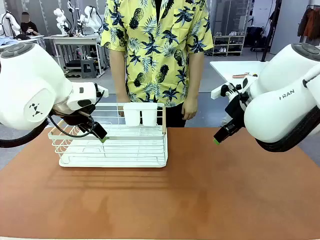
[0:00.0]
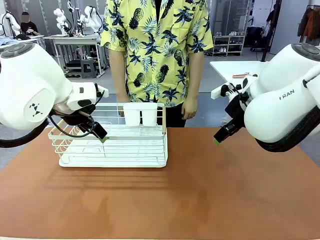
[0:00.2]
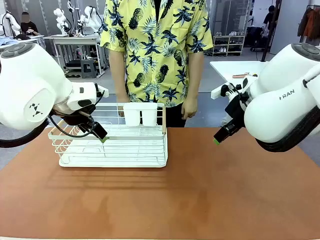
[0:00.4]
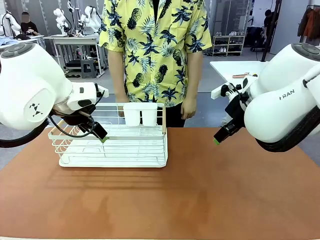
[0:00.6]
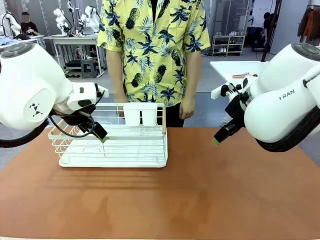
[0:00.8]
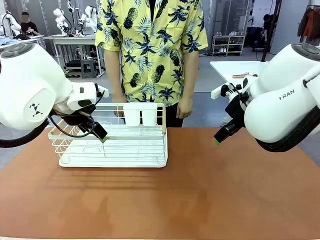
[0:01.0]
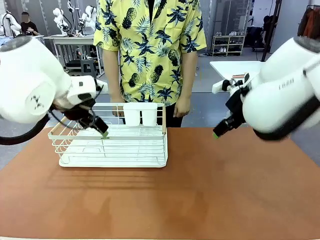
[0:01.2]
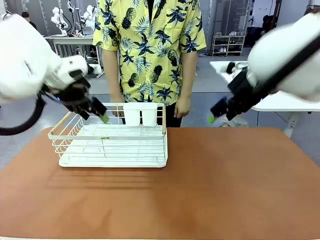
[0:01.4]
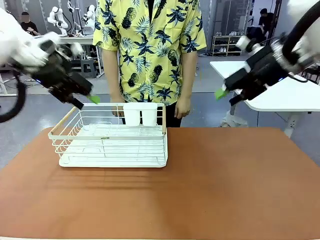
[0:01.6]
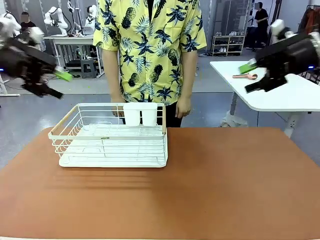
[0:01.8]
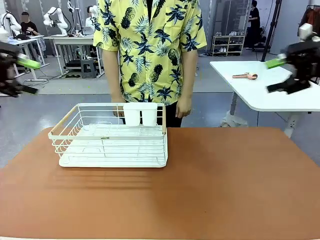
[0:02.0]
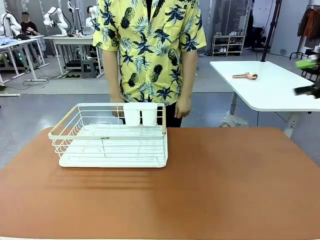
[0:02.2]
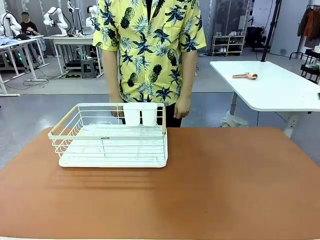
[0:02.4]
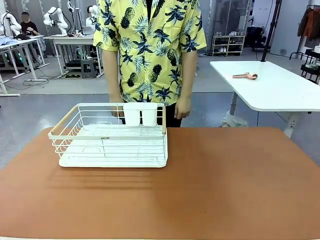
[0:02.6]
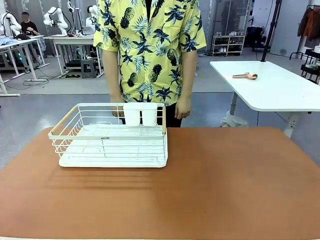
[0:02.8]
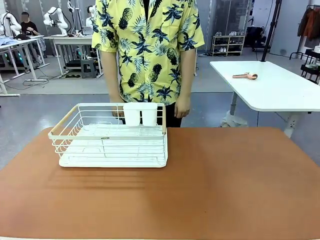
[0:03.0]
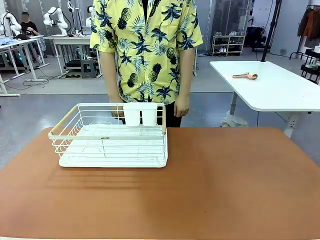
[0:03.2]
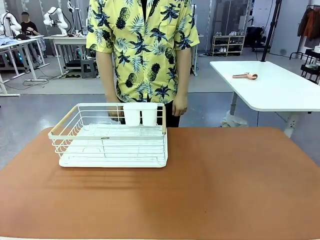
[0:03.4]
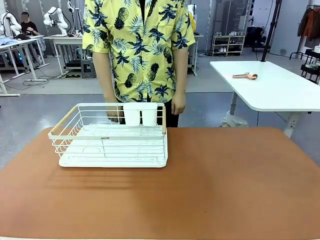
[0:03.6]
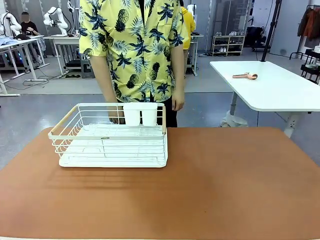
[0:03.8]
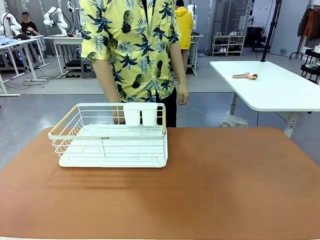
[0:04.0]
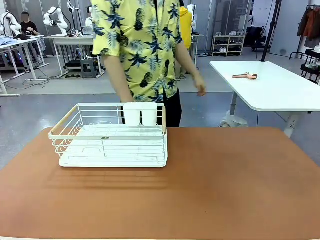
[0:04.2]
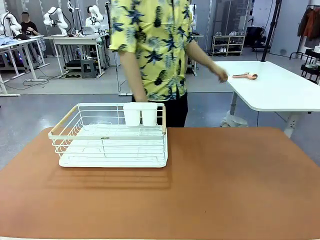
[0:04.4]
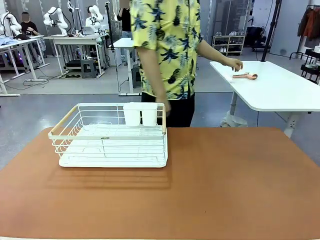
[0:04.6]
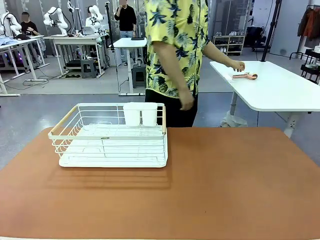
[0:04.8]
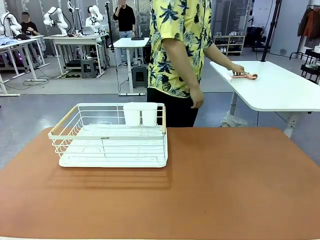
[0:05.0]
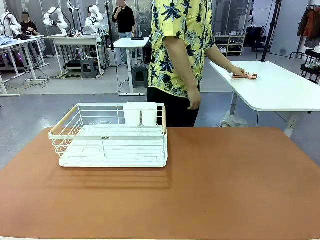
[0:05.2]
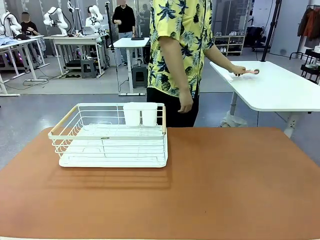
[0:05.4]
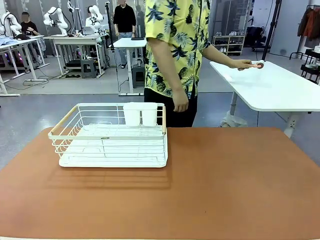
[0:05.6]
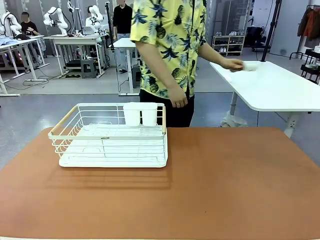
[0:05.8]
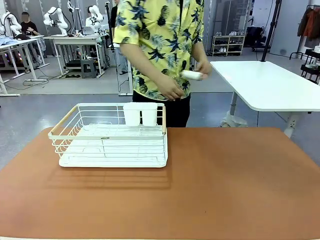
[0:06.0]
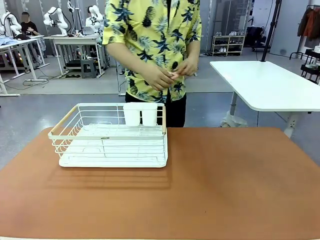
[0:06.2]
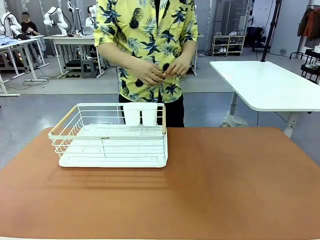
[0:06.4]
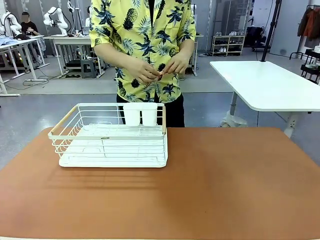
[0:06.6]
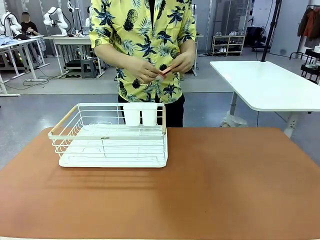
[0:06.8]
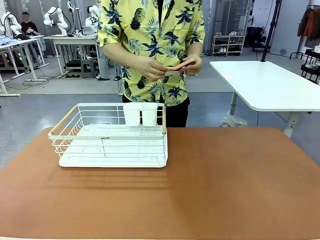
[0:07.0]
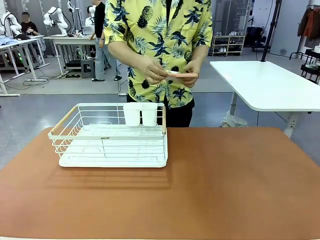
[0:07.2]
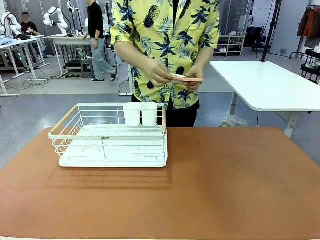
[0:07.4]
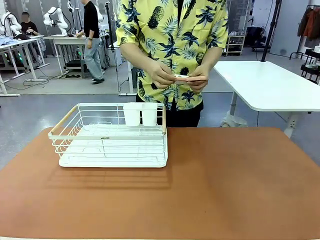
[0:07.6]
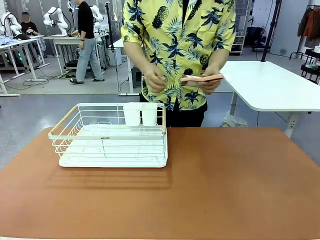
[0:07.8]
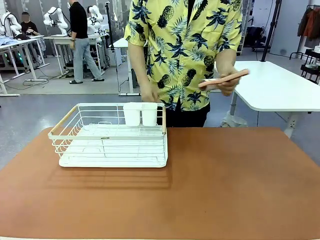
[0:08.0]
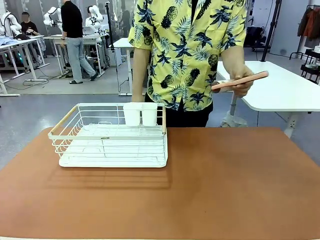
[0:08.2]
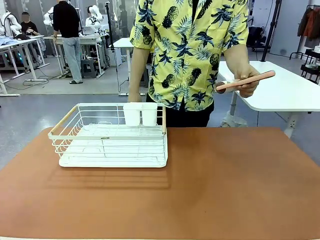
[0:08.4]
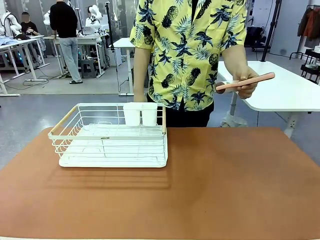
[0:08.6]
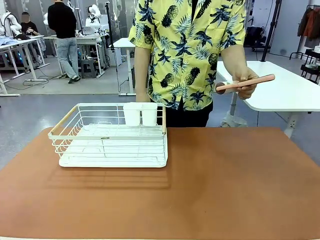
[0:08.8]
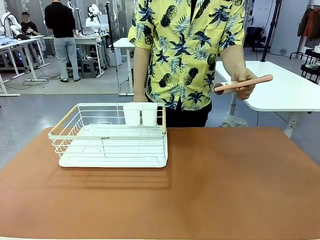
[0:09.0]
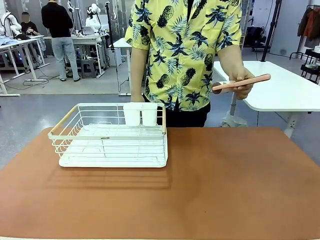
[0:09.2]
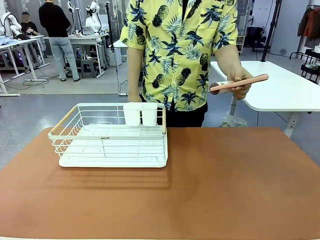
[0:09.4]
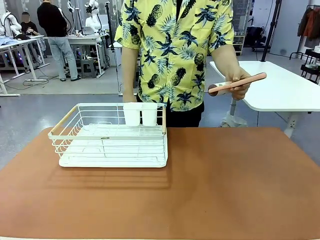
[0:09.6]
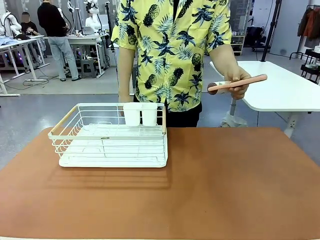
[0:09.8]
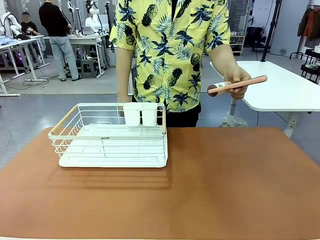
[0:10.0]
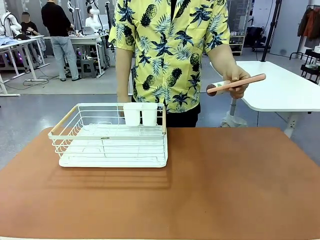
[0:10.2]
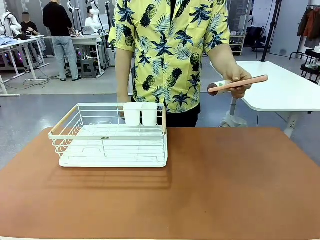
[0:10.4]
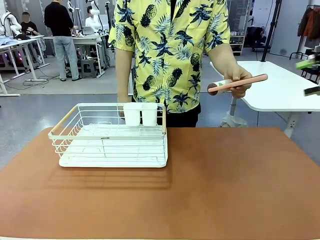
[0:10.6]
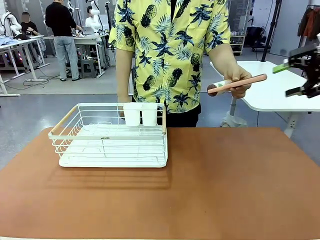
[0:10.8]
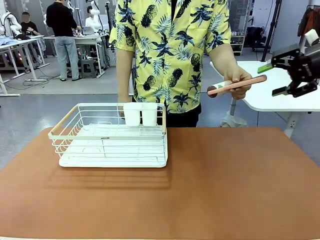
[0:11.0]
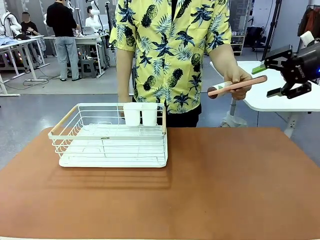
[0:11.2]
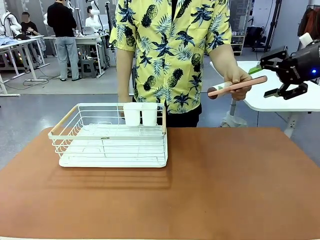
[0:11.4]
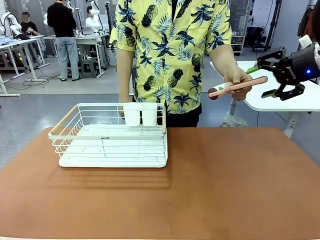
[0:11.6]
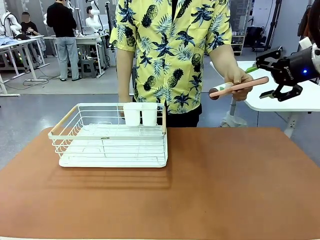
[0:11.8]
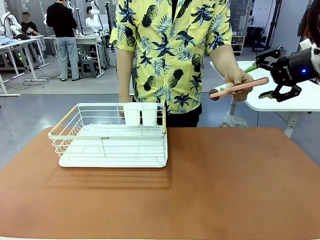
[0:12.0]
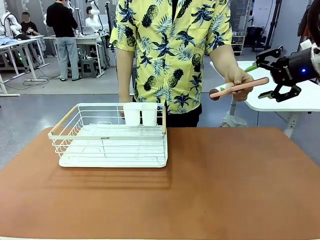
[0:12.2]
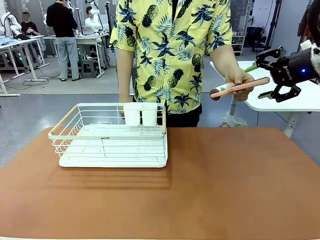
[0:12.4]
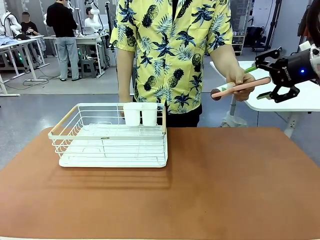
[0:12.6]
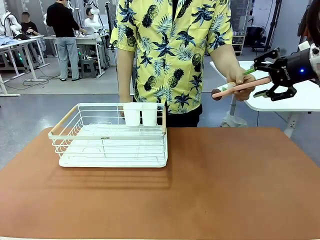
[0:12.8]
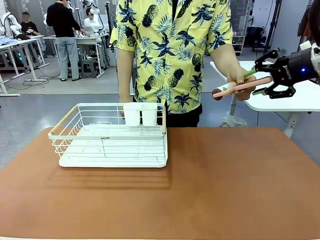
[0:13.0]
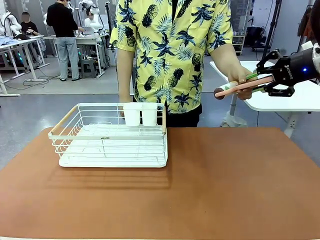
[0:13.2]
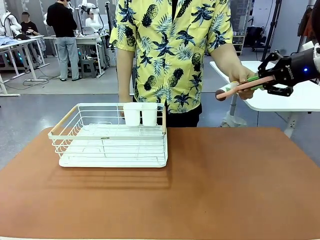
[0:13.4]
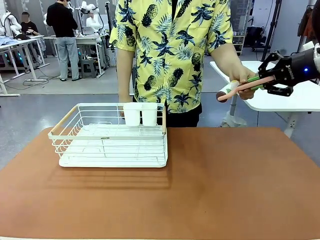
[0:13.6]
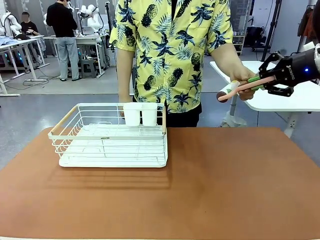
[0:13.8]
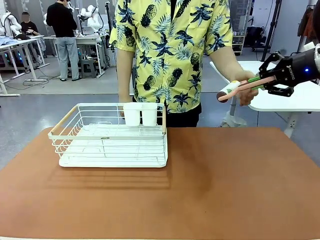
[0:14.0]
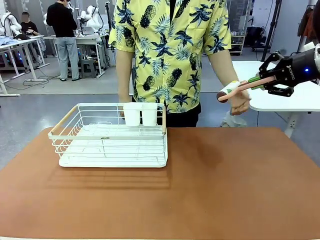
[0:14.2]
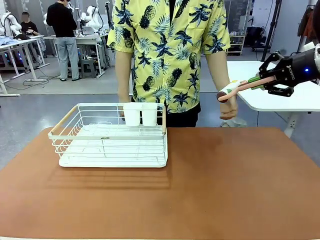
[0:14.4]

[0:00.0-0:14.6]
Task: Clean the table.
Robot: Pick up the Lint Roller when the human hands it over.
Person: Hand the Lint Roller to the robot so it can easily pick it up. Lift the Dish drying rack.
